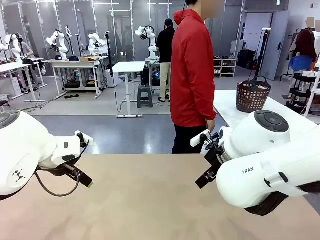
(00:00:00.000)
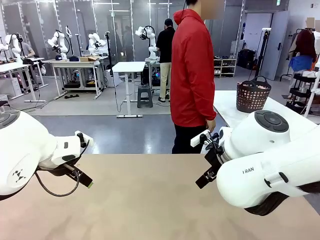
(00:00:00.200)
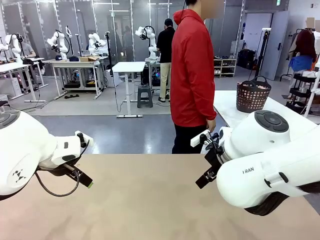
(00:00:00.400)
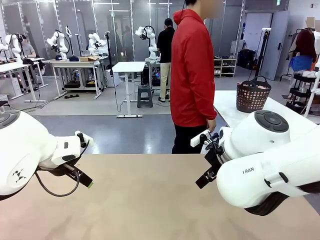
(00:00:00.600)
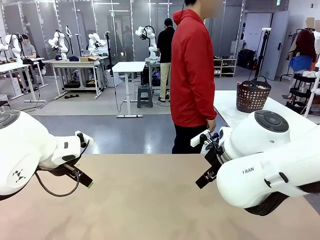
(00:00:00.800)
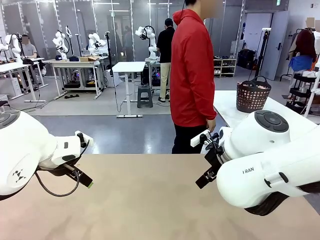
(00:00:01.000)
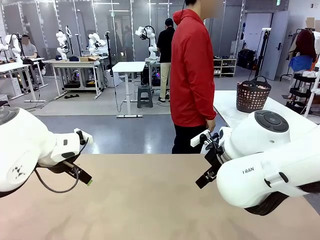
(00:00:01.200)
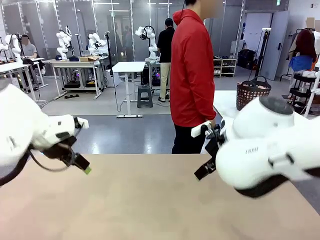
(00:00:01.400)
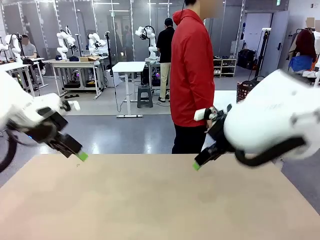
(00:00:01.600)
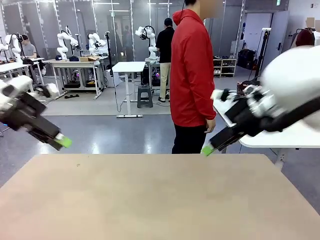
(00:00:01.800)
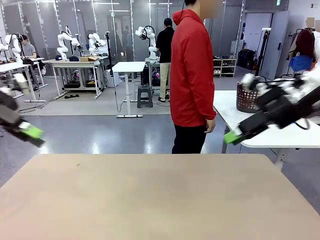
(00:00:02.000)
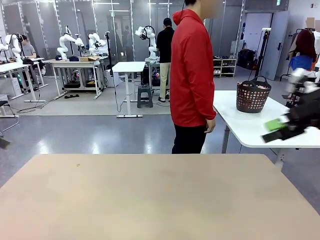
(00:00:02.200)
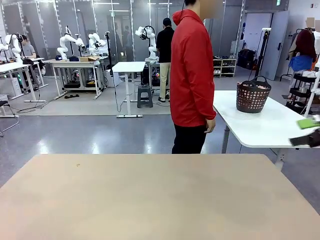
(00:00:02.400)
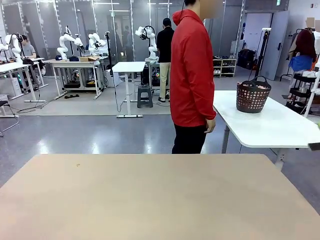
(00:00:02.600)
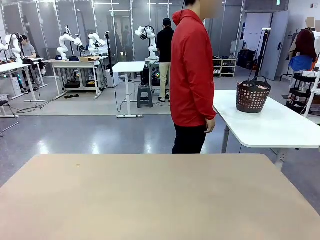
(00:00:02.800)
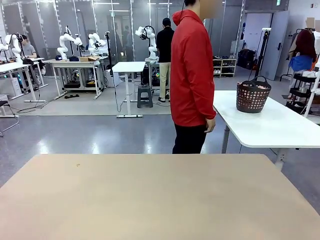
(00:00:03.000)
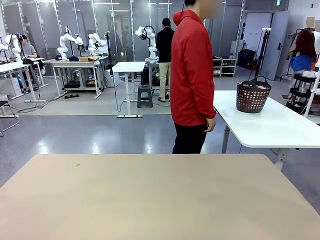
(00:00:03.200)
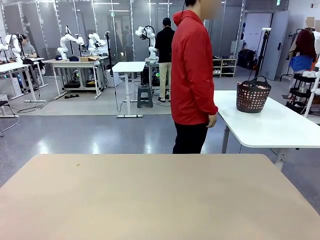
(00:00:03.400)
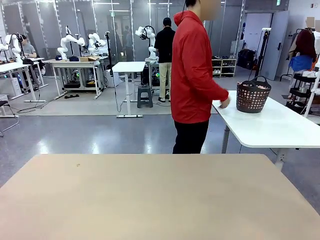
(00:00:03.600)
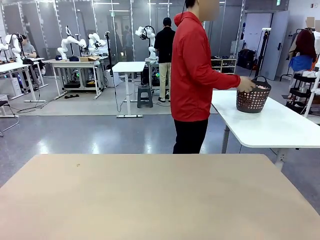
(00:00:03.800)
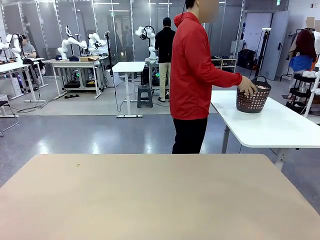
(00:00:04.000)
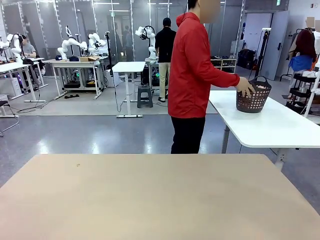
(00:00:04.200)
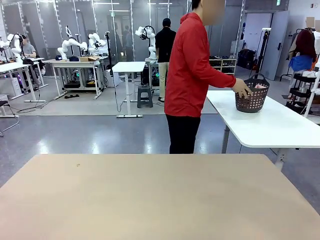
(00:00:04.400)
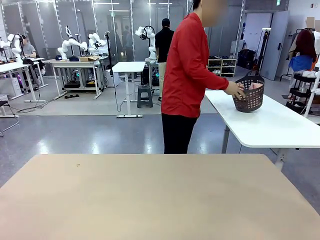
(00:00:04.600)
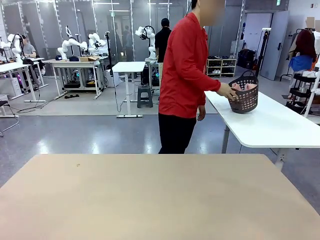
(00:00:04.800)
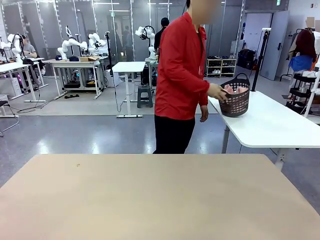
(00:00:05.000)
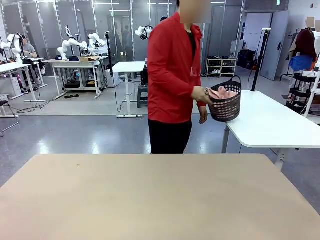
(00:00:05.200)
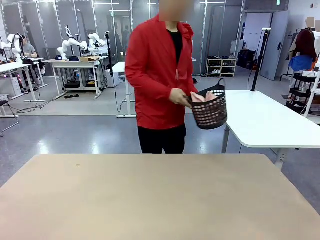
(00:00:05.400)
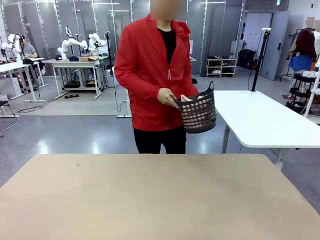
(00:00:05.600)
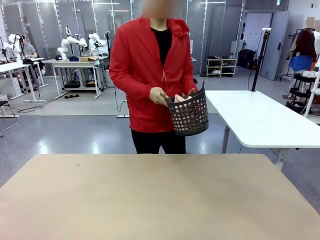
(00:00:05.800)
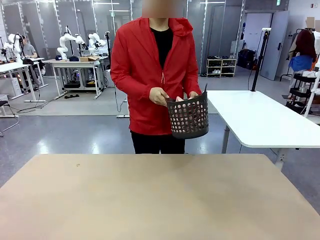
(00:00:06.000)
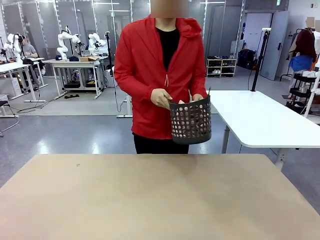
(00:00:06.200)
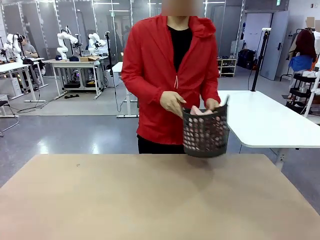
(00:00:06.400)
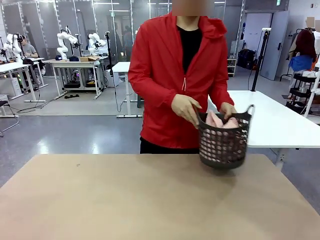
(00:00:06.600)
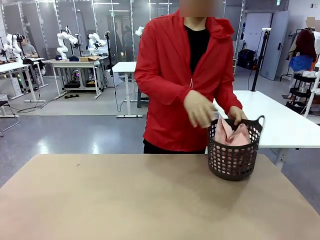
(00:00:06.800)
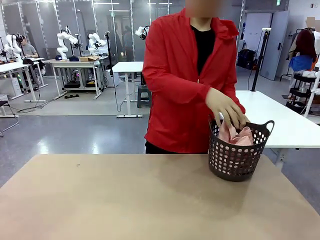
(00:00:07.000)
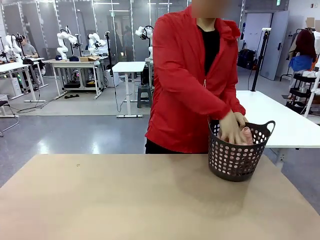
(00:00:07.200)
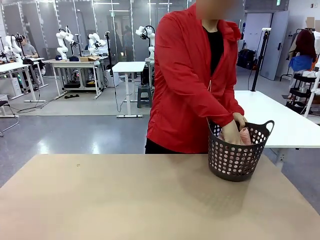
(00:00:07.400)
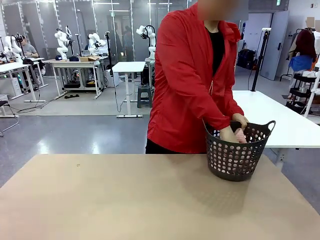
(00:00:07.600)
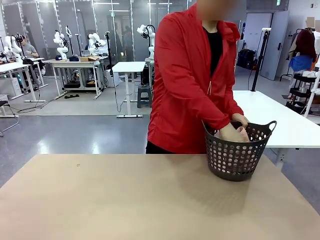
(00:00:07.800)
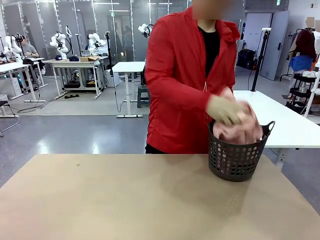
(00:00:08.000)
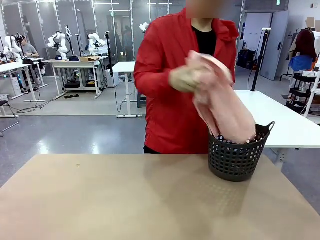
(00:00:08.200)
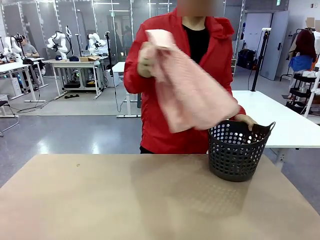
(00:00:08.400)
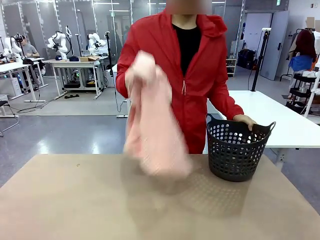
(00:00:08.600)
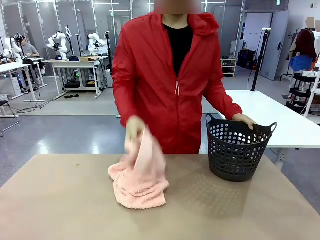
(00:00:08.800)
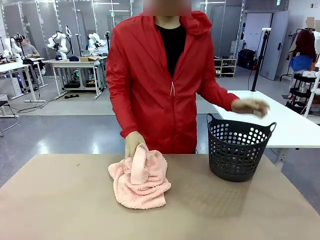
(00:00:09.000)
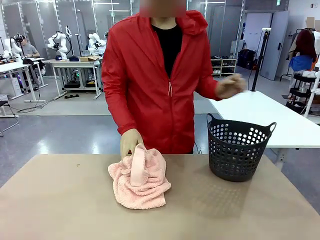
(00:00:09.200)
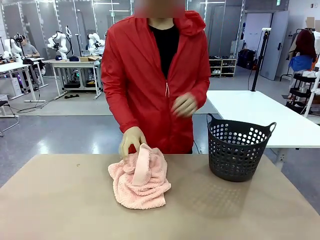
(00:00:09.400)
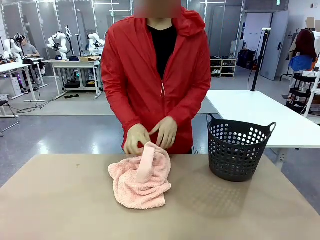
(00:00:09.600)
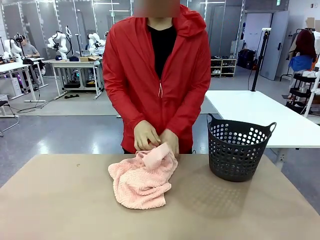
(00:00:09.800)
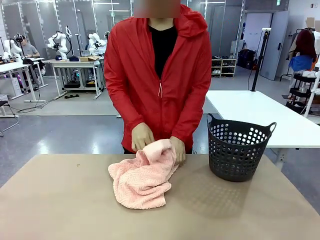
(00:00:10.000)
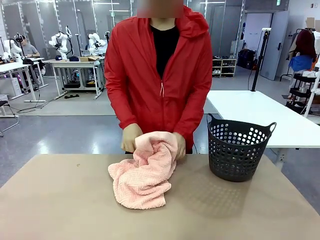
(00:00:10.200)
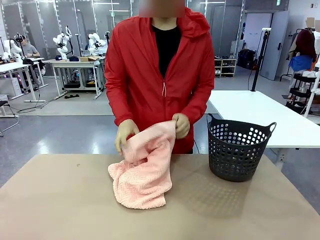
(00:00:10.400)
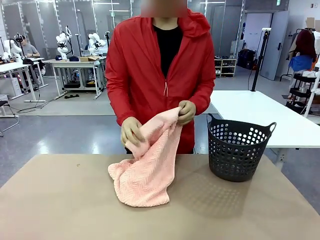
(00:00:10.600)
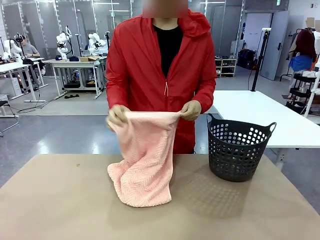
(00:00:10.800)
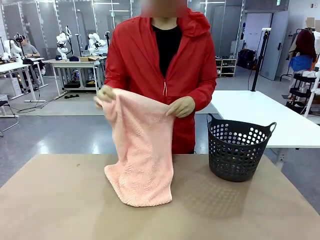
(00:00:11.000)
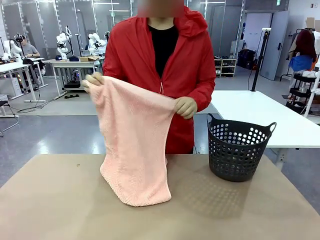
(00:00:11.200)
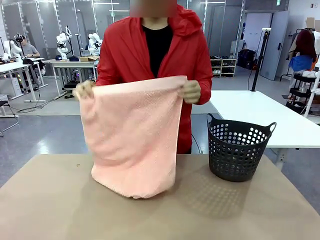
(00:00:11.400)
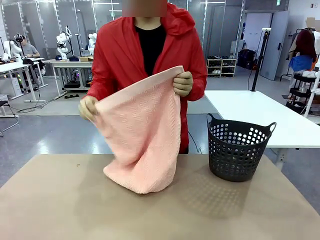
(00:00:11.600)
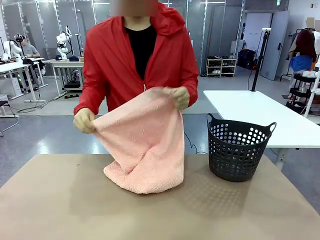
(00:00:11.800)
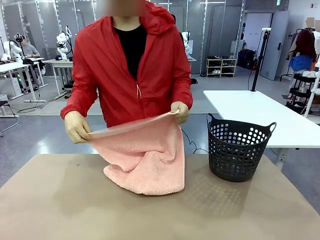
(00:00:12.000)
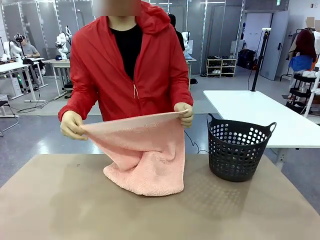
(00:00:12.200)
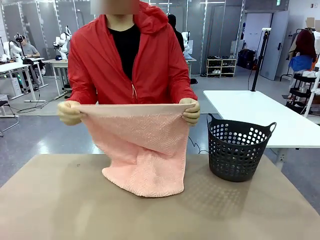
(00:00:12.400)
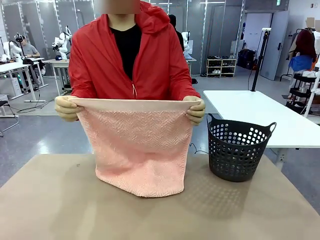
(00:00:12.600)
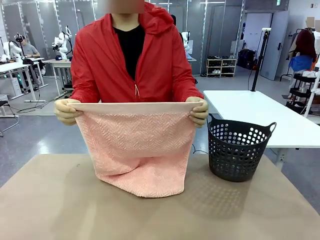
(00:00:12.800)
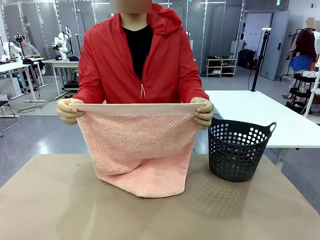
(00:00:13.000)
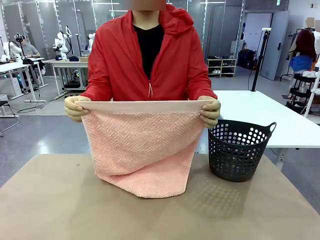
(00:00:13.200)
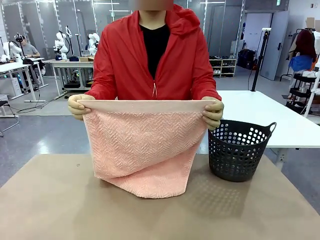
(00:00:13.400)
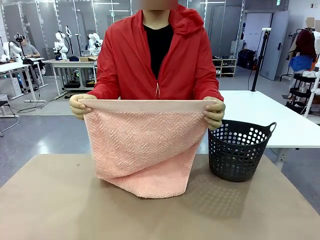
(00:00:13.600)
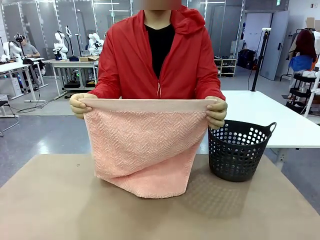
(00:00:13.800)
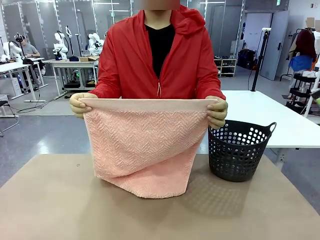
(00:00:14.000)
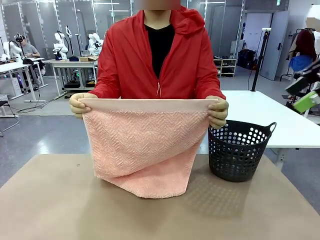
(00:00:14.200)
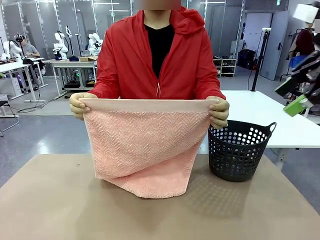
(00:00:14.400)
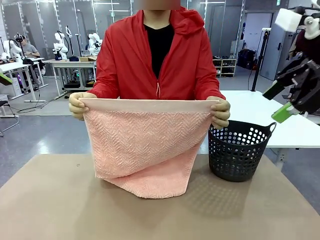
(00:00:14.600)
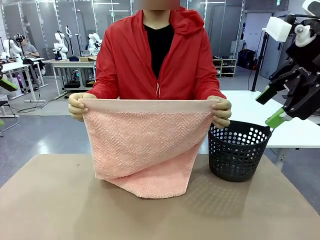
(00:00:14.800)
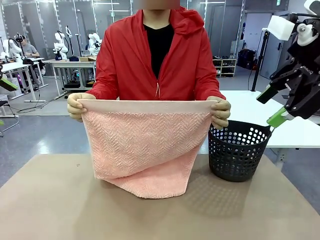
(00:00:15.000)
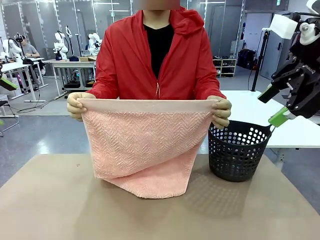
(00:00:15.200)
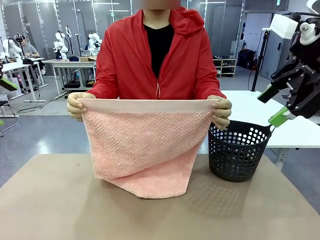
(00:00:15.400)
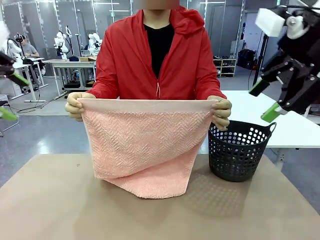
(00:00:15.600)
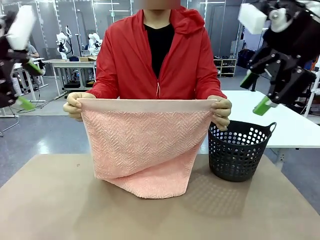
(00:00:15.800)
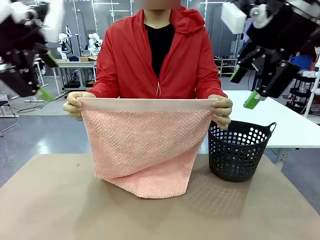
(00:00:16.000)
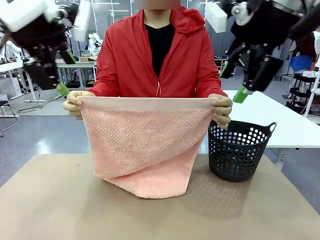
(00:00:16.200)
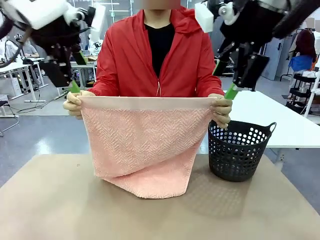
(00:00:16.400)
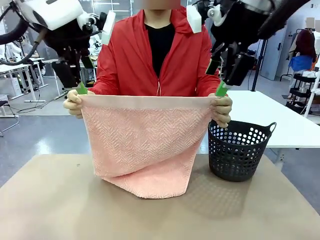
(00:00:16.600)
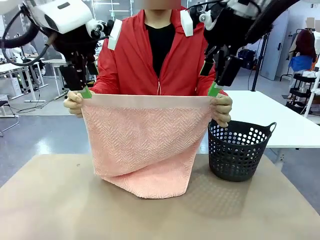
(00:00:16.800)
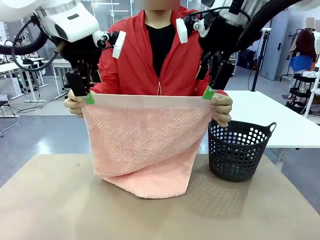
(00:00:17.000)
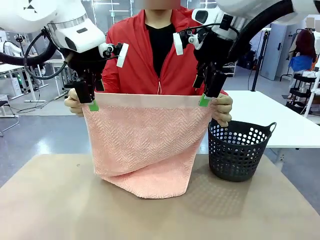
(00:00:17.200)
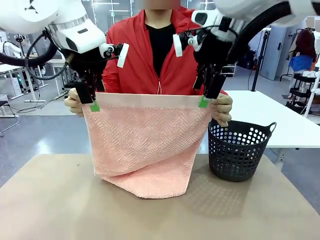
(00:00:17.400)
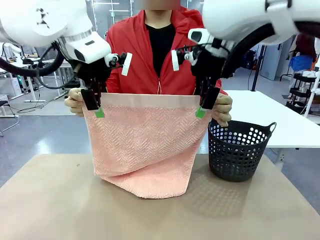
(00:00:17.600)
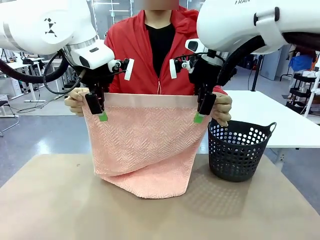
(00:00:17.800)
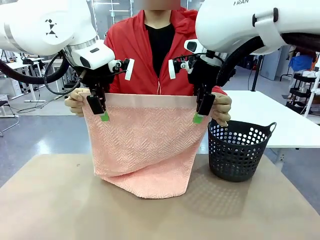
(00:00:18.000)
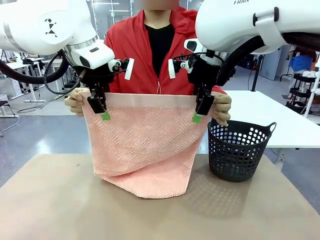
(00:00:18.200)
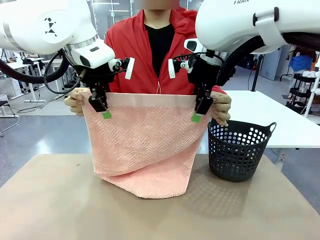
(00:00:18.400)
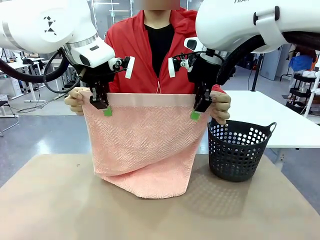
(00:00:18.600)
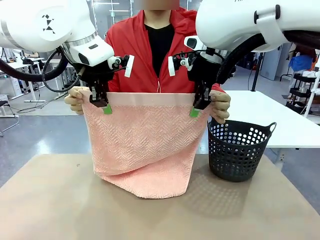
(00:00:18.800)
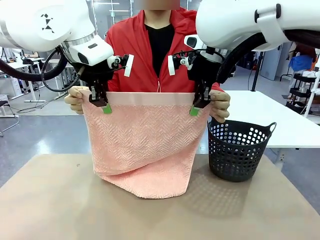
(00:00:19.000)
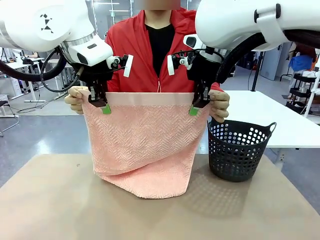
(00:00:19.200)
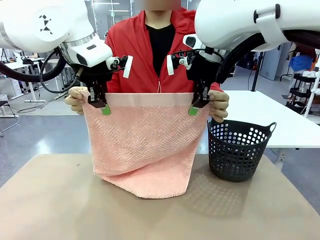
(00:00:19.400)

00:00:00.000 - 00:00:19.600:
Task: Fold the towel.
Robot: Grab the top end of the 100 cm Hotel Towel extended by the human.
Person: Pick up the laundry basket, place it on the left side of the robot table, then take out a towel and hand it to the robot while holding both corners of one end.
